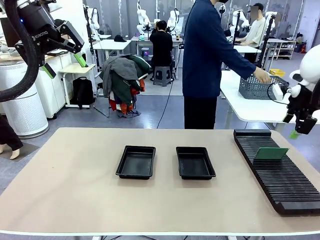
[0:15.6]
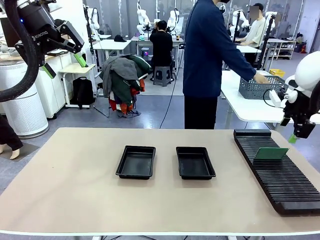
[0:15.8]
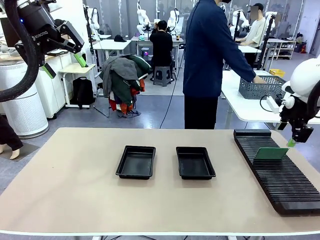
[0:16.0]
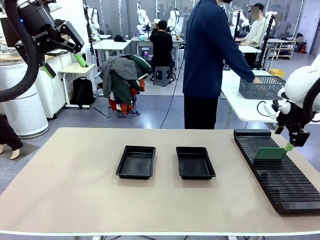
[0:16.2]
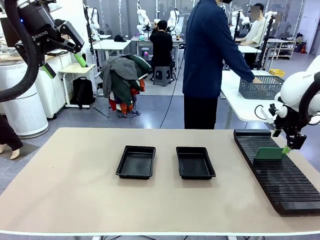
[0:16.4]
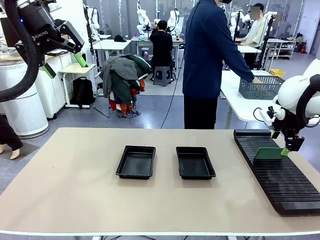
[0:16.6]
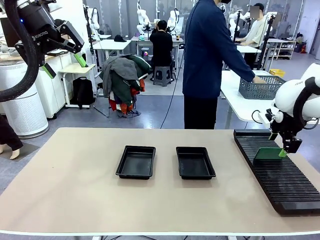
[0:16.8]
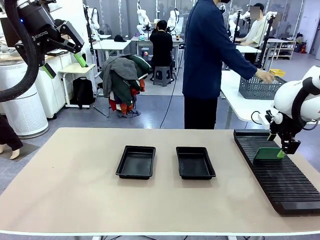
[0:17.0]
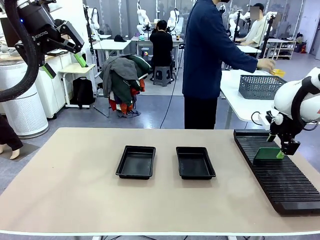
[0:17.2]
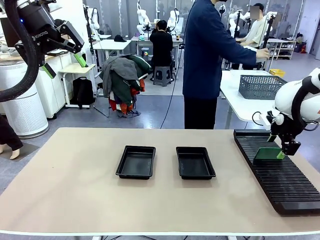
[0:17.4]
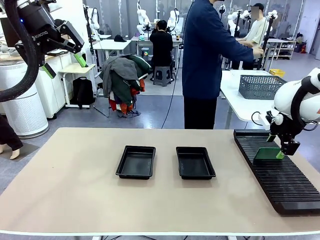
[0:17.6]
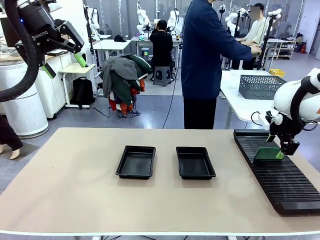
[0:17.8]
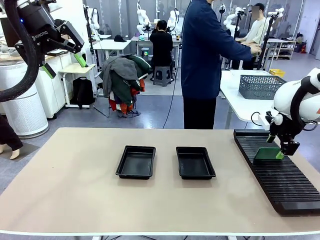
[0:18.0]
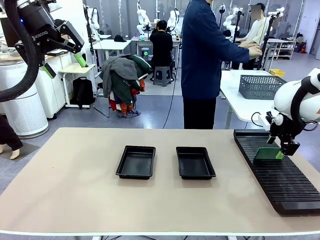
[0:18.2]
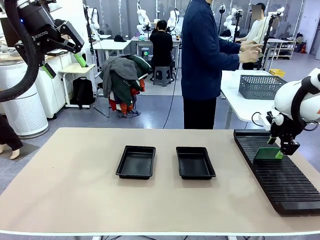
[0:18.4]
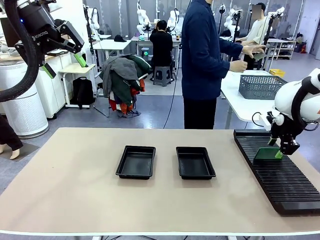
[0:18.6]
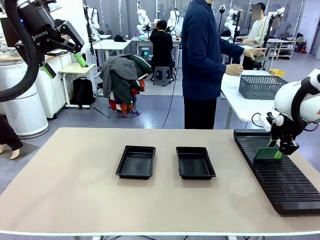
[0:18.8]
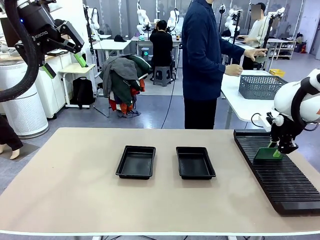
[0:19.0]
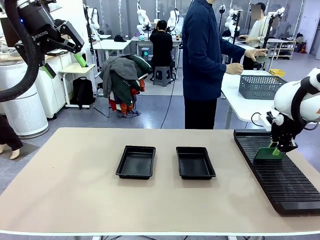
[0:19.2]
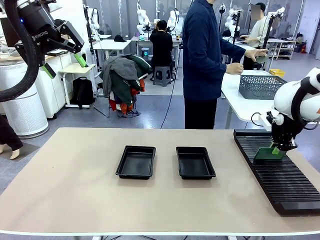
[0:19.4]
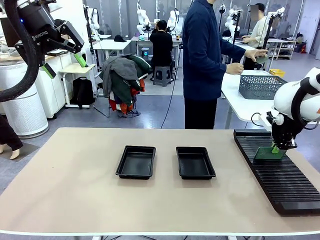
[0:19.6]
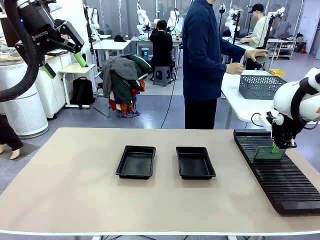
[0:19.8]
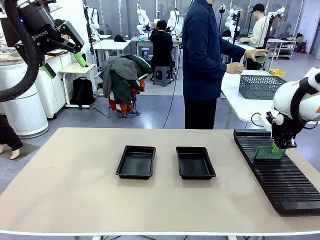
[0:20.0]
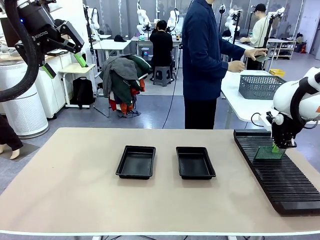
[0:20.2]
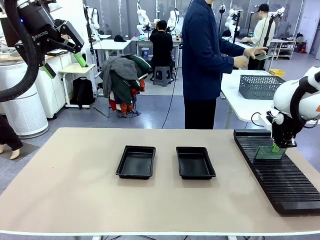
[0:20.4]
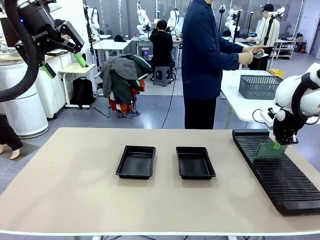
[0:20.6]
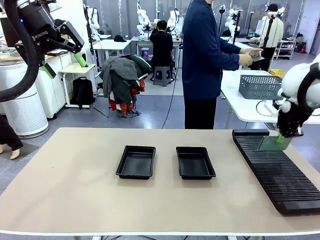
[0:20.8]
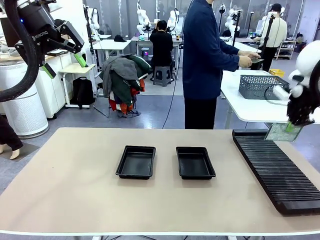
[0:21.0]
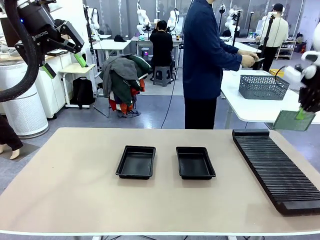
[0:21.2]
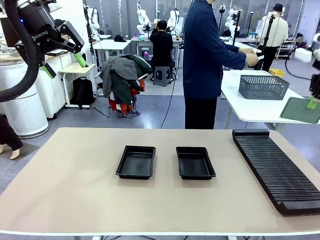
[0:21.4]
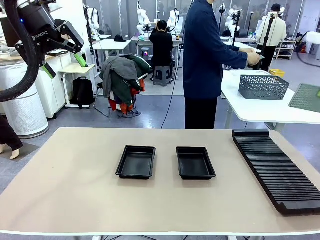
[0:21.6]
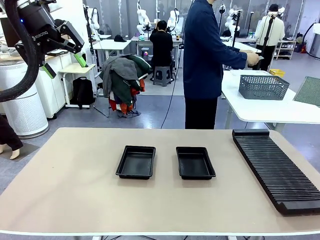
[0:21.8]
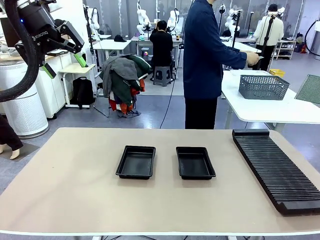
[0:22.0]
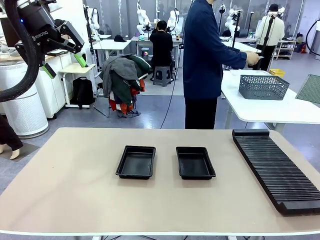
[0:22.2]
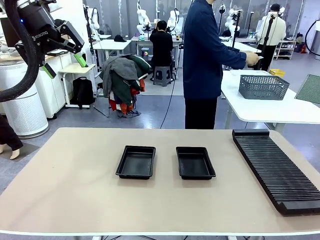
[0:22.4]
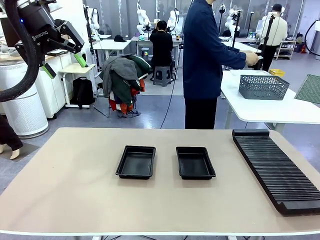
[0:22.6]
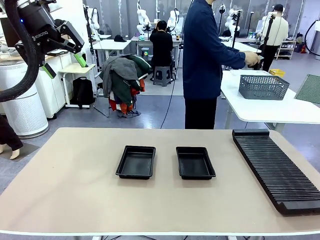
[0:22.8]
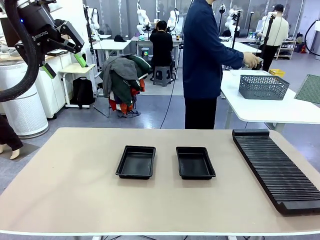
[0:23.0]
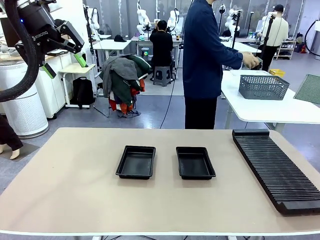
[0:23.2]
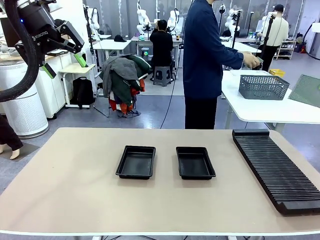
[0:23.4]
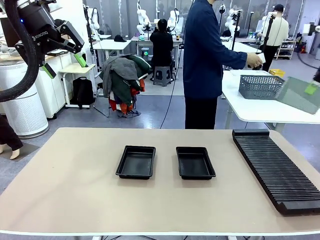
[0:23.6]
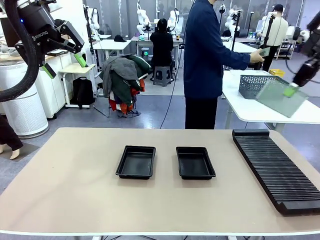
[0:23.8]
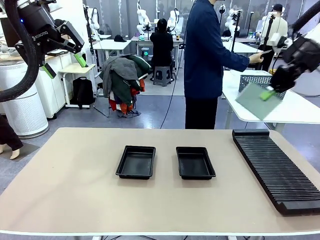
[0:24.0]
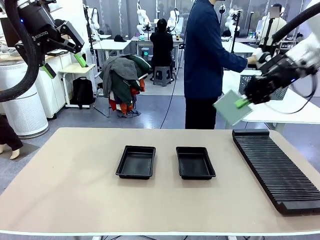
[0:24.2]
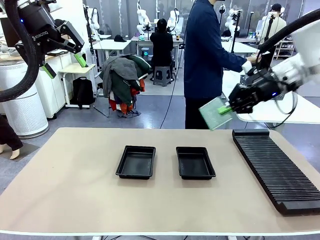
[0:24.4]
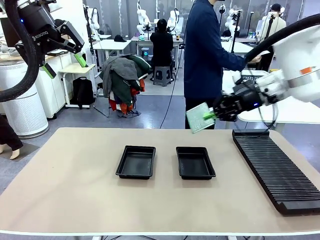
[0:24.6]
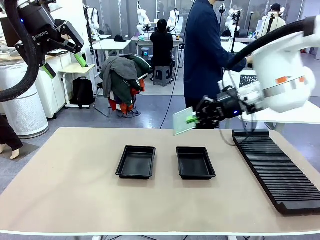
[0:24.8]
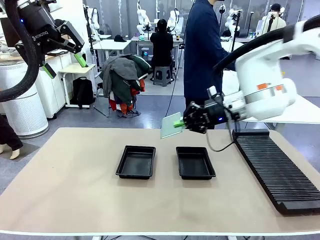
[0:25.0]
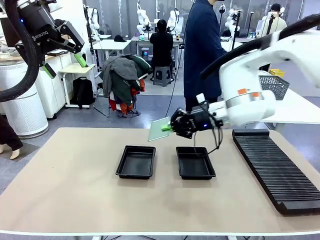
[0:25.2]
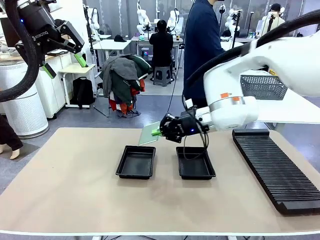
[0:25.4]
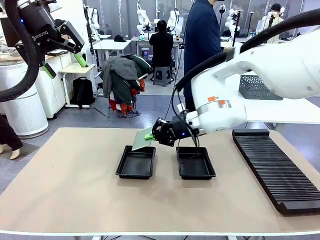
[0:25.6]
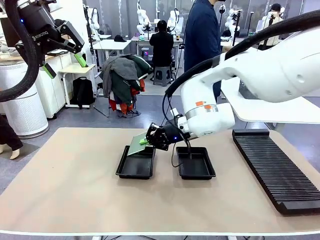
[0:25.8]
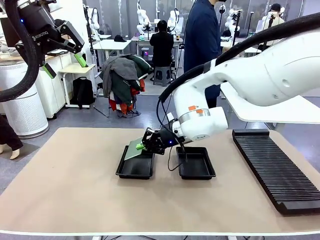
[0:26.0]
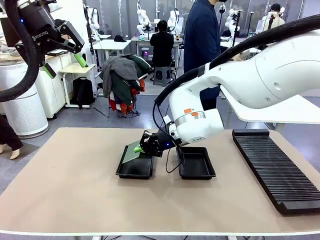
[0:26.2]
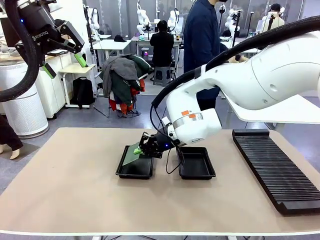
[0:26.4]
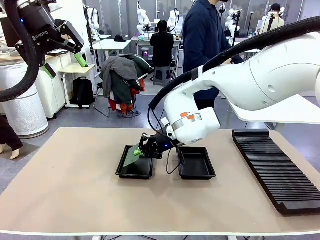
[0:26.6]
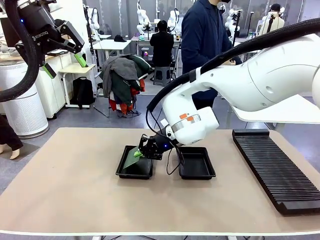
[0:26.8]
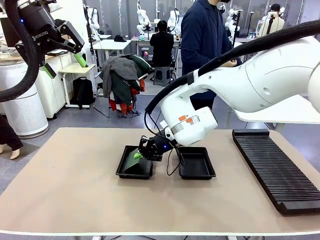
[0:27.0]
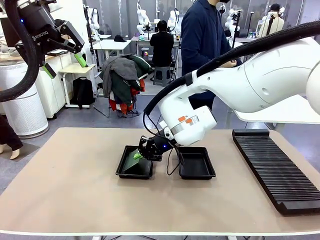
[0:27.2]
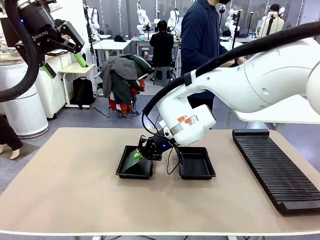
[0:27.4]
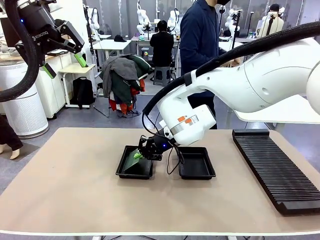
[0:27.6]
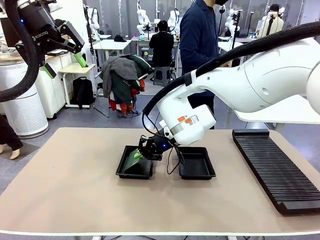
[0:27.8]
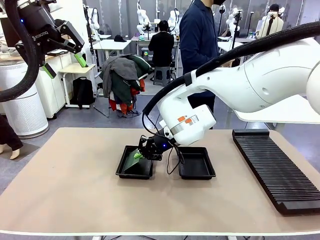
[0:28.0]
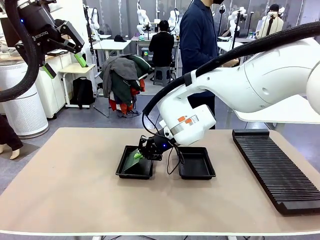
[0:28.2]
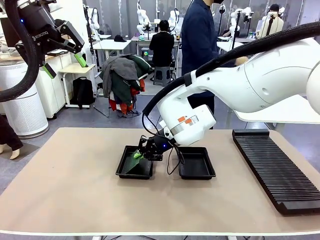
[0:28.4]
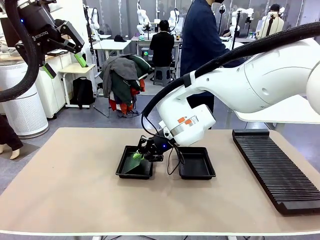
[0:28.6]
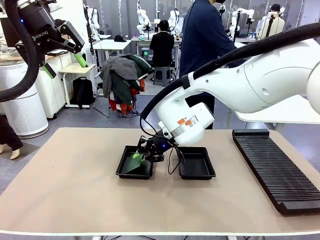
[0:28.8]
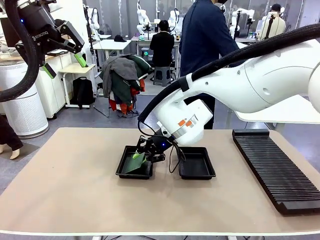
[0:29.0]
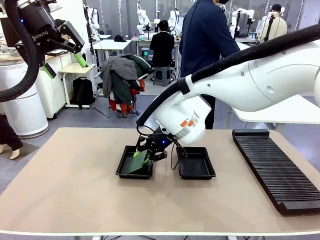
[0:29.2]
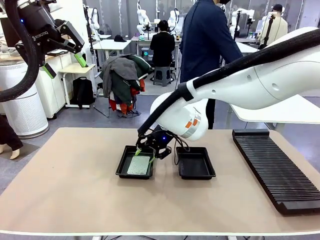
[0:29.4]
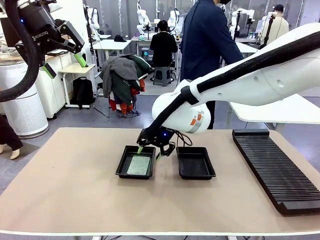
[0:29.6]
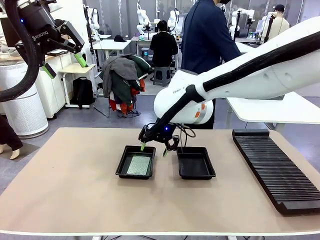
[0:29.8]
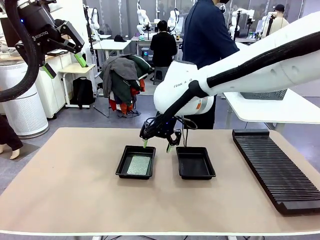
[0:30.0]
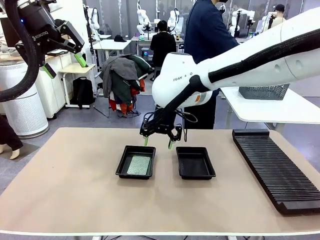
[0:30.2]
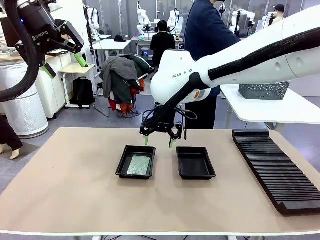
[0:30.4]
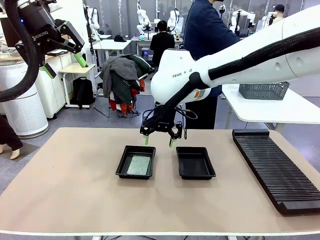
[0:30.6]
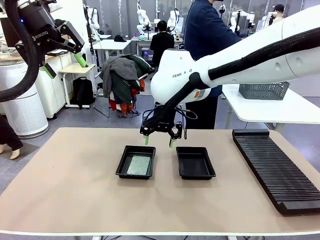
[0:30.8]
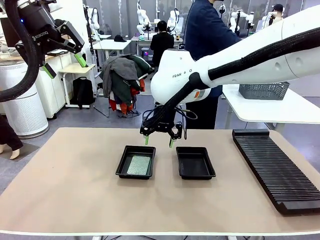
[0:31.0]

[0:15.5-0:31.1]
Task: Inspect and transfer BCBs to ESD trays.
Robot: Pick up the Blank PCB from the PCB Rack and place it in the left ESD tray.
